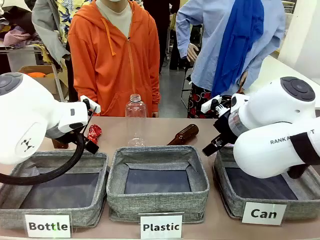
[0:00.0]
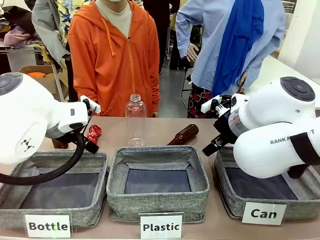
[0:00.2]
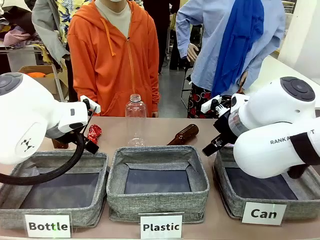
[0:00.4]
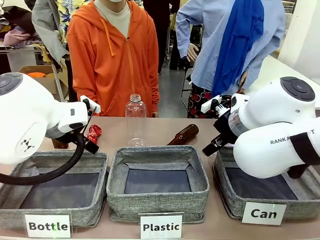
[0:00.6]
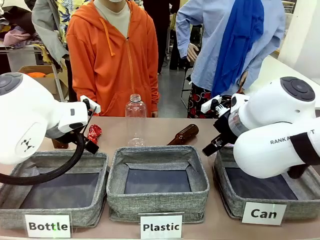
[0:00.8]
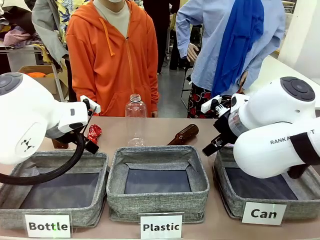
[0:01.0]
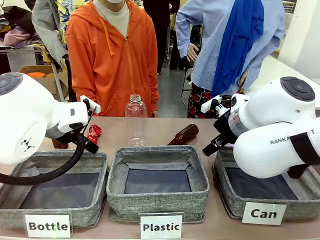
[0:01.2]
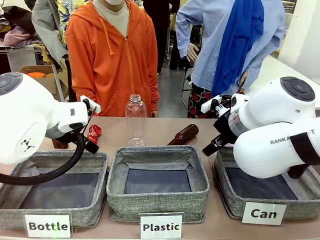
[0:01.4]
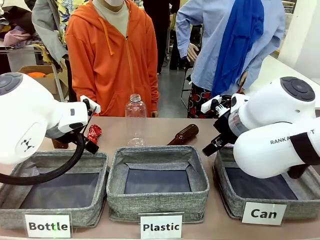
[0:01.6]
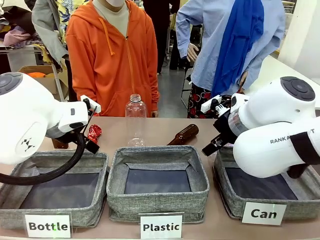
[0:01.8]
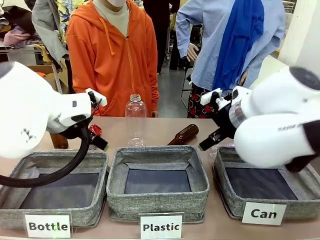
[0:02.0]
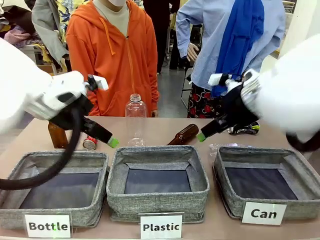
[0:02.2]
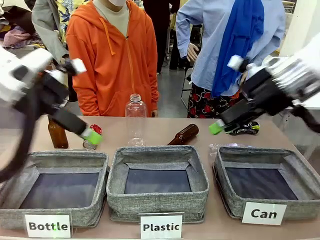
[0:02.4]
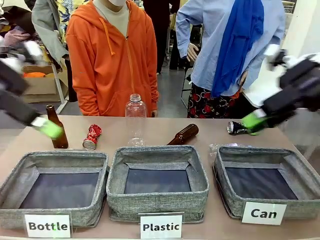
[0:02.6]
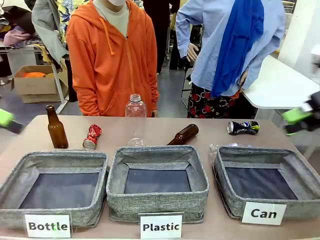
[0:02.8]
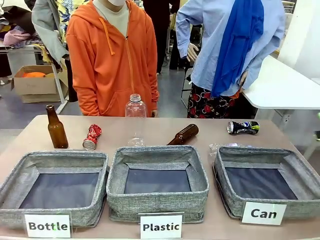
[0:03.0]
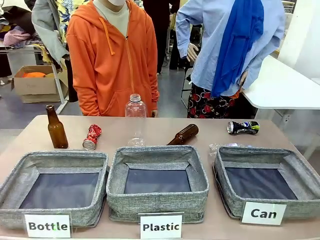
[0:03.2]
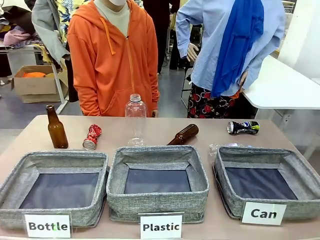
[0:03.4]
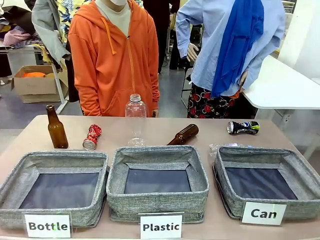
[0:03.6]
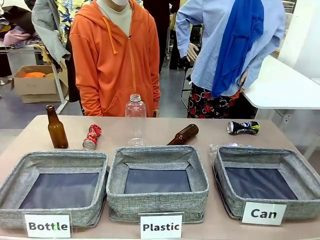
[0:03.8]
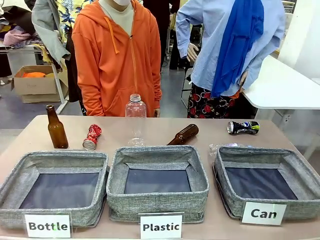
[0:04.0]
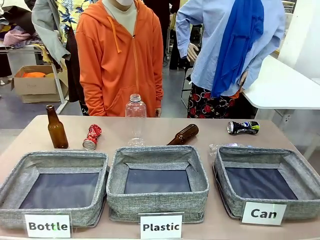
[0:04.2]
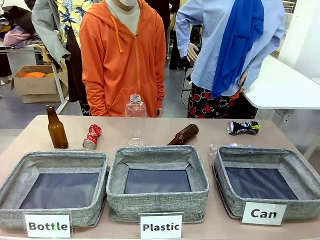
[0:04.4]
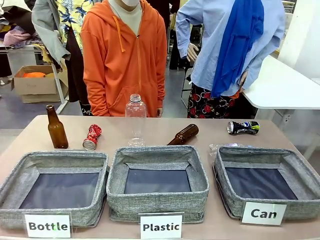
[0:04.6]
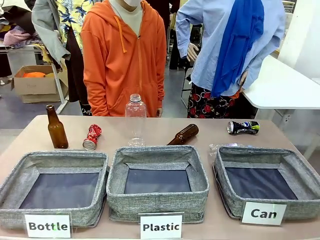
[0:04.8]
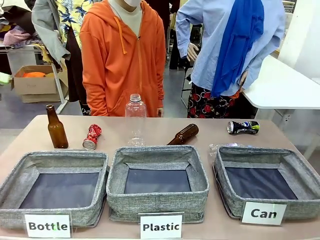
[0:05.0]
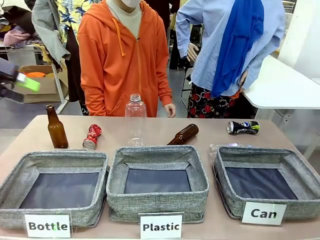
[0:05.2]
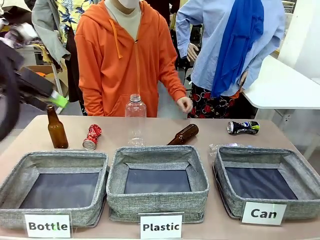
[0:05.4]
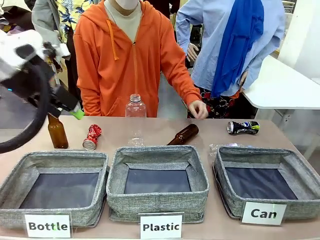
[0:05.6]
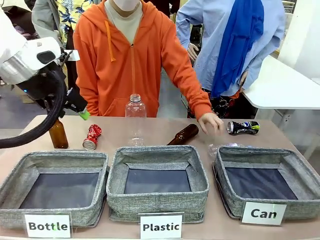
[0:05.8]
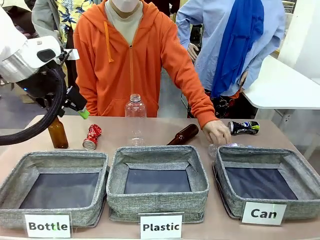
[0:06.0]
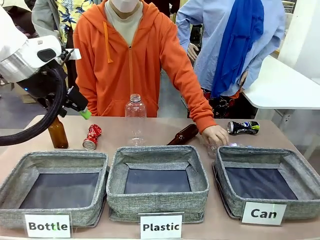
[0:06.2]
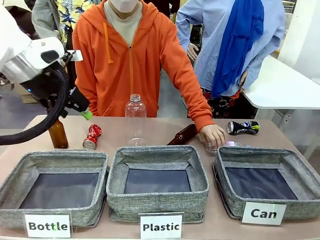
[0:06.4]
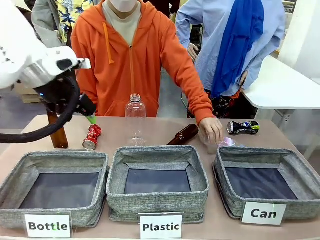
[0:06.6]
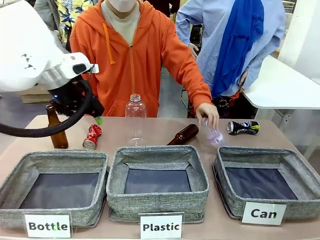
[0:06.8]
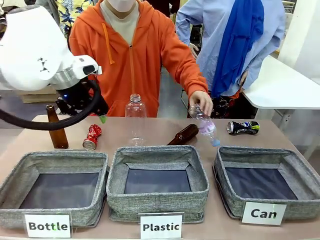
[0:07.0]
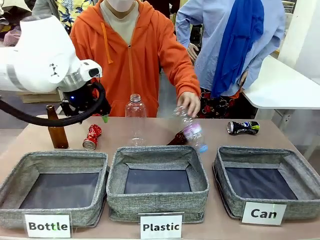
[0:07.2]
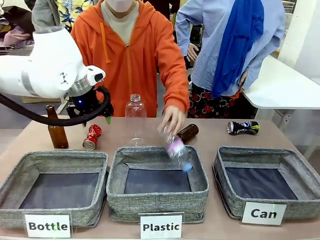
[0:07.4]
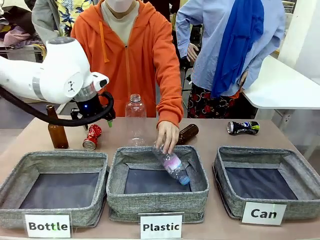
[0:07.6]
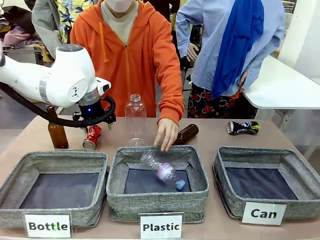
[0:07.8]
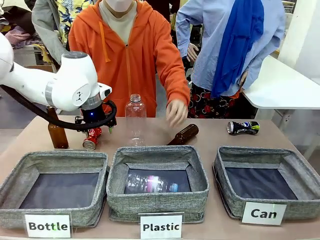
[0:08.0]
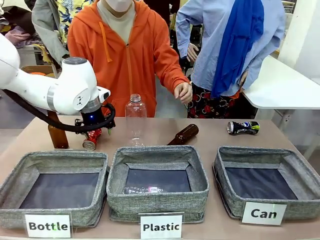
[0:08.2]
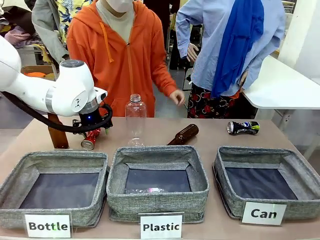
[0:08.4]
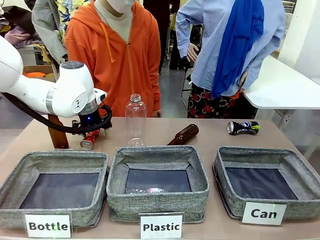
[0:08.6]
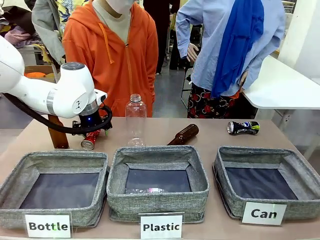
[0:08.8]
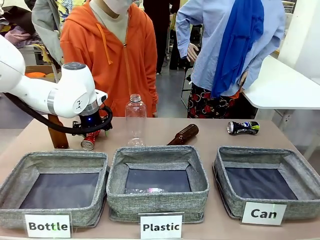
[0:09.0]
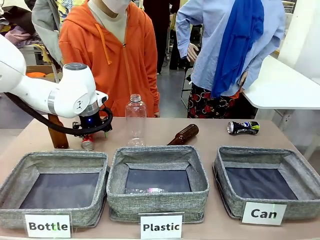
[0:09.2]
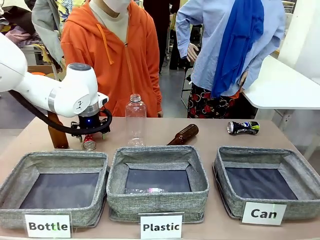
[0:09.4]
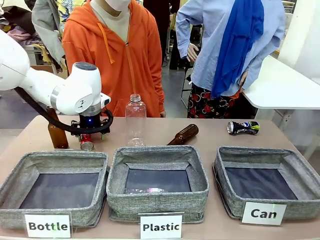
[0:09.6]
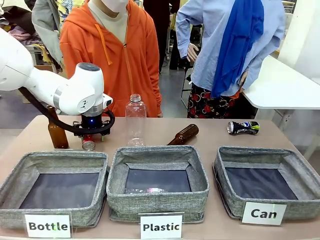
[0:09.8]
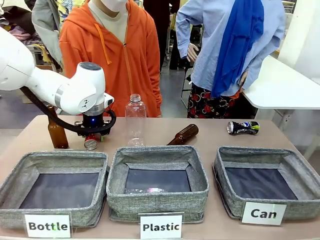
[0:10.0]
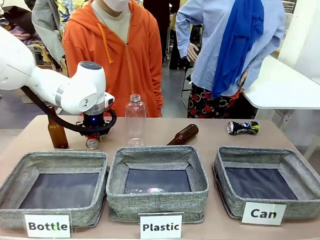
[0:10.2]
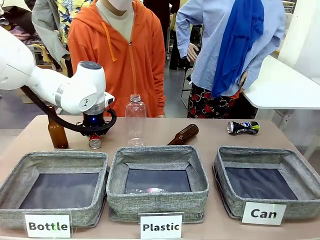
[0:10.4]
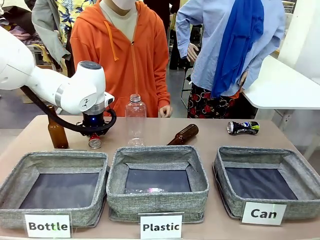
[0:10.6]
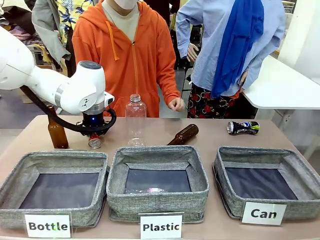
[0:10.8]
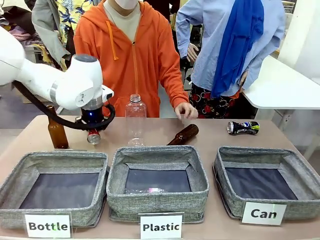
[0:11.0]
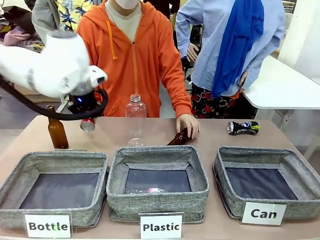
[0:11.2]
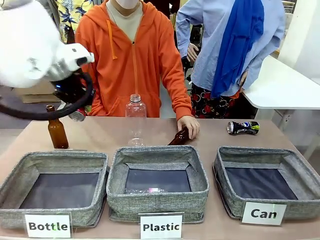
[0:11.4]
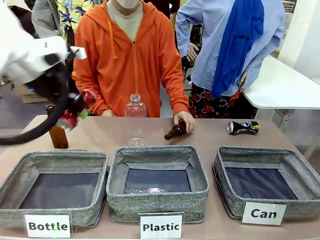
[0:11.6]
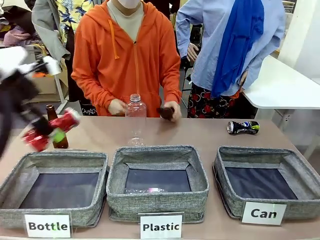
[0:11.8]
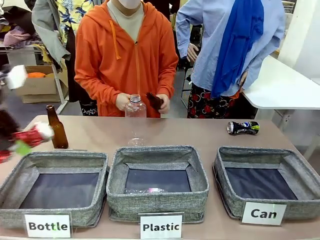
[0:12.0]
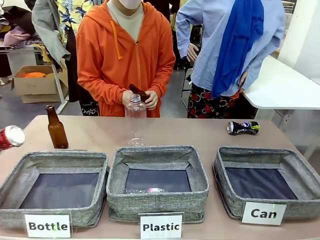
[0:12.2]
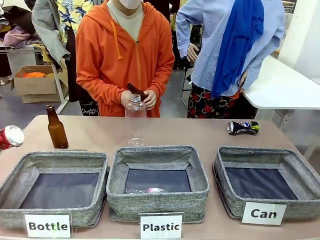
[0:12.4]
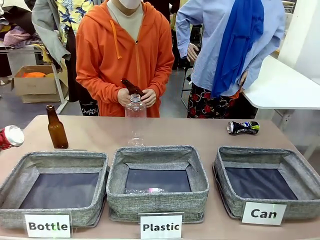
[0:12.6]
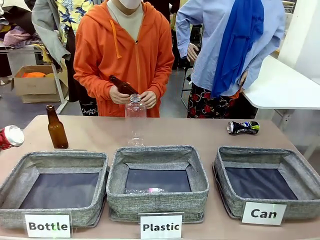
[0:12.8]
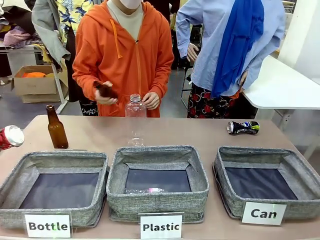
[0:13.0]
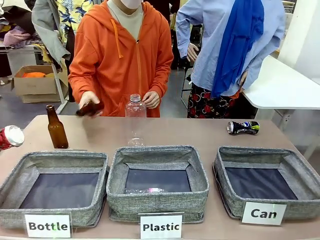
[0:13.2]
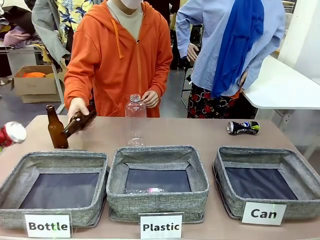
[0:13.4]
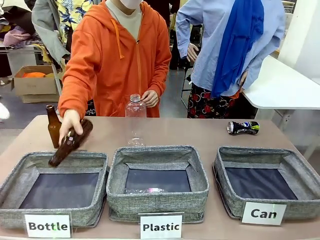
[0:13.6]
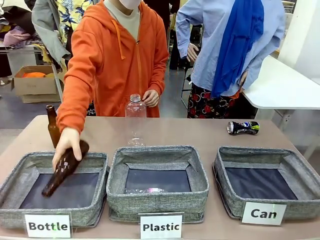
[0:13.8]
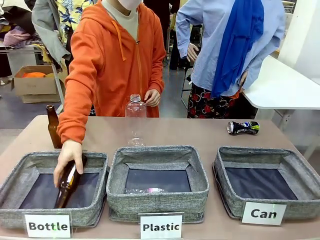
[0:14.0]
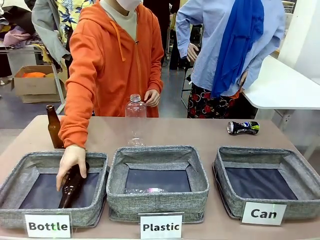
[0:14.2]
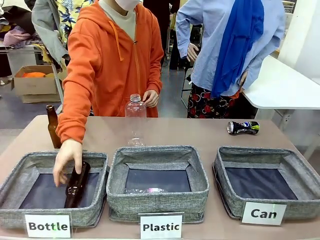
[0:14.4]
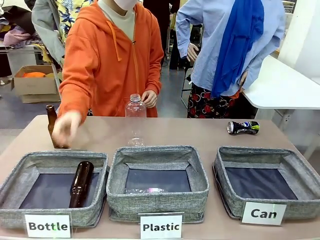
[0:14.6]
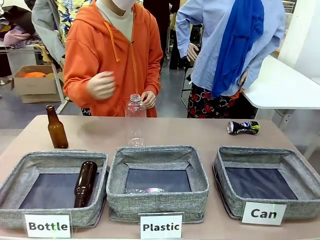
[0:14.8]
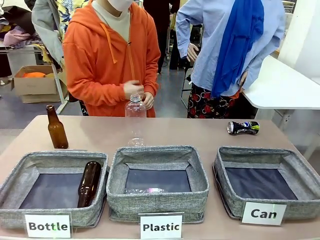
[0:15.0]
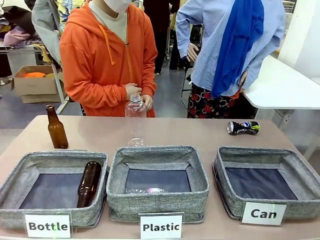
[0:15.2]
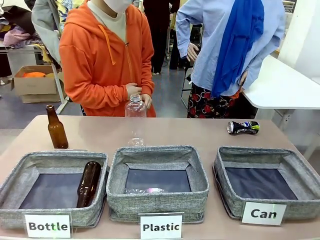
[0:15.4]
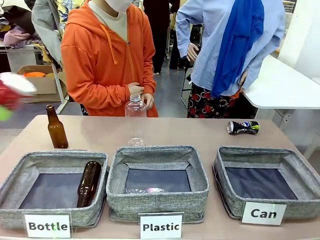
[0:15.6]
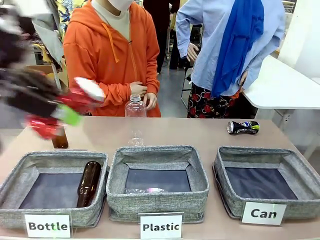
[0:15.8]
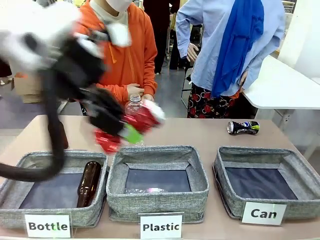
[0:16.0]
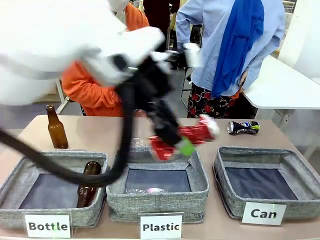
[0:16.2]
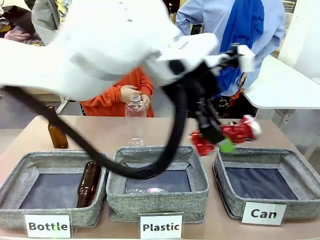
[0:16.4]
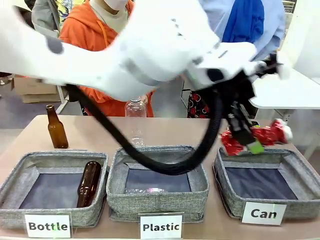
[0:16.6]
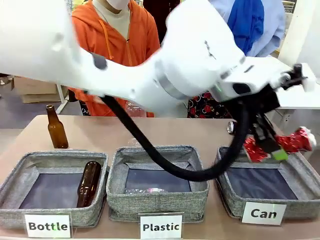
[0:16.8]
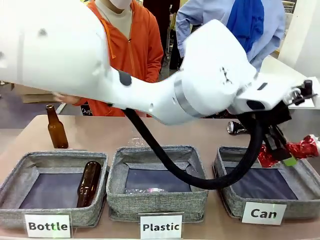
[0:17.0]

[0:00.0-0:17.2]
Task: Sort the can waste into the basket.
Robot: Pick up the can waste from the table and place it in the right Fabric basket.
